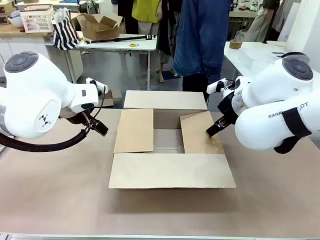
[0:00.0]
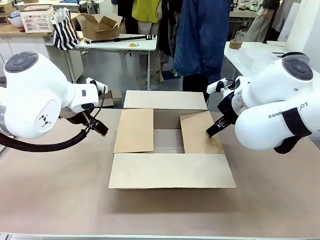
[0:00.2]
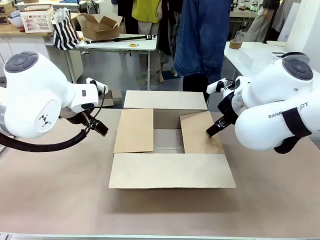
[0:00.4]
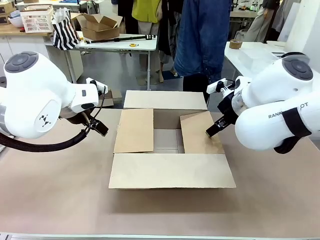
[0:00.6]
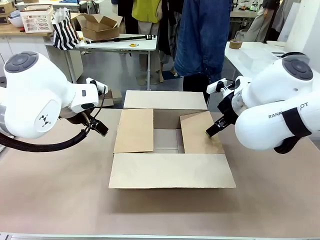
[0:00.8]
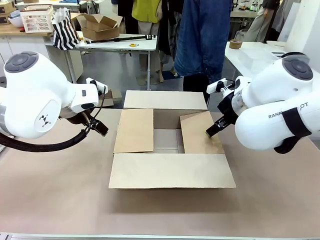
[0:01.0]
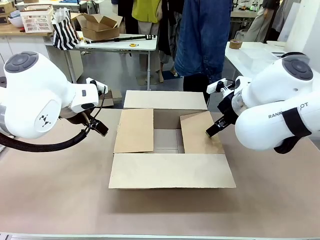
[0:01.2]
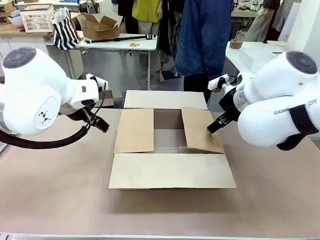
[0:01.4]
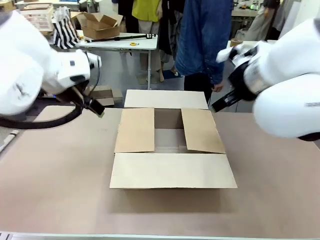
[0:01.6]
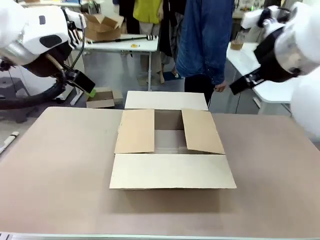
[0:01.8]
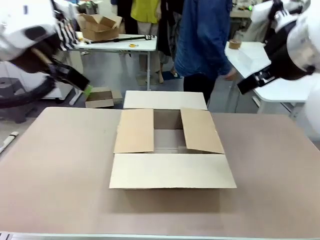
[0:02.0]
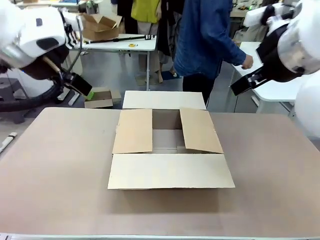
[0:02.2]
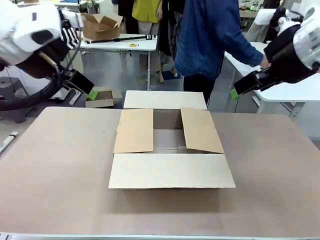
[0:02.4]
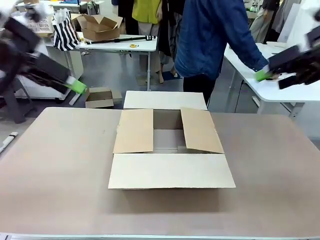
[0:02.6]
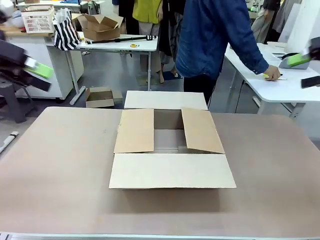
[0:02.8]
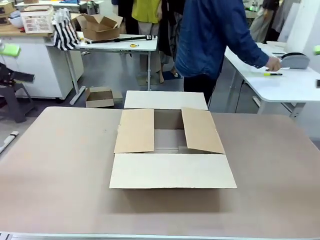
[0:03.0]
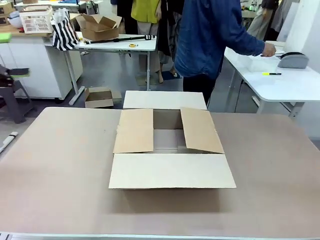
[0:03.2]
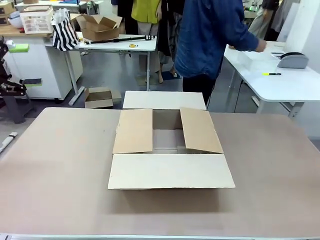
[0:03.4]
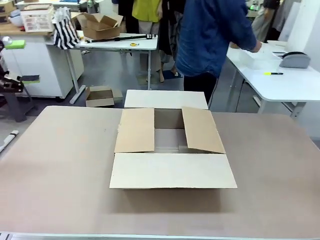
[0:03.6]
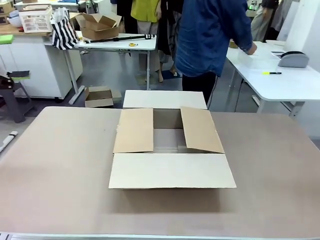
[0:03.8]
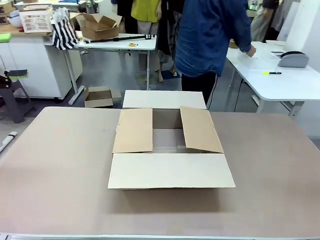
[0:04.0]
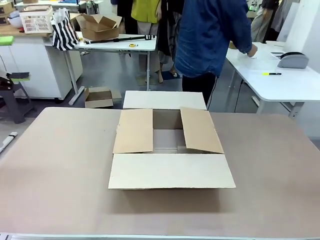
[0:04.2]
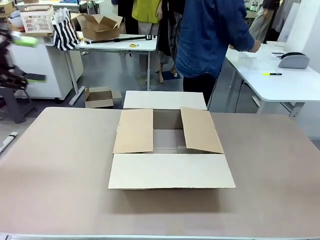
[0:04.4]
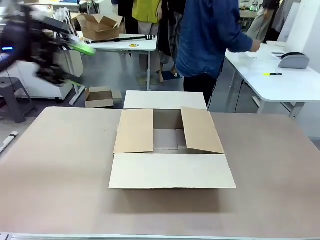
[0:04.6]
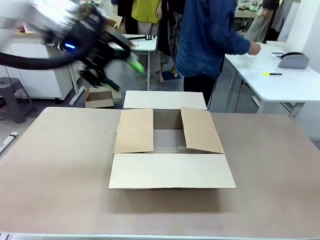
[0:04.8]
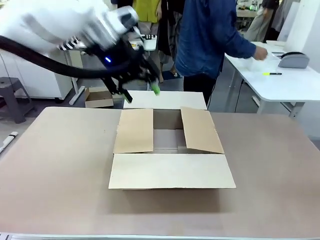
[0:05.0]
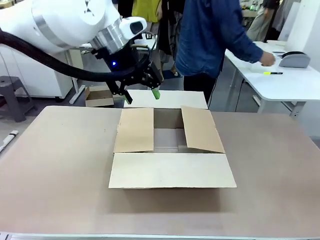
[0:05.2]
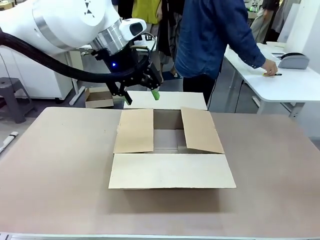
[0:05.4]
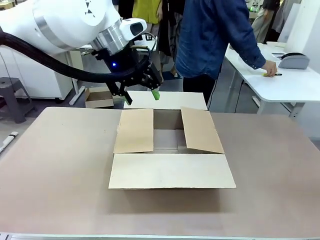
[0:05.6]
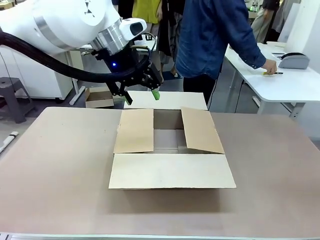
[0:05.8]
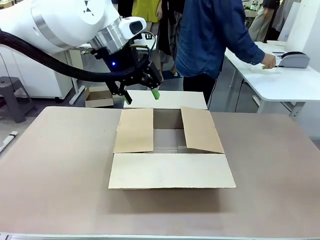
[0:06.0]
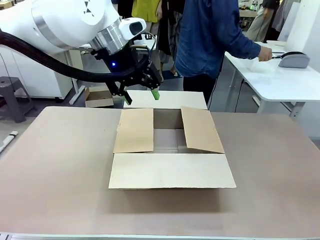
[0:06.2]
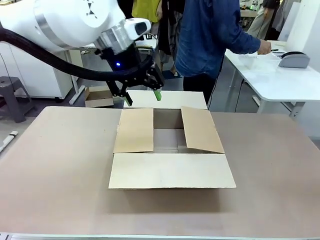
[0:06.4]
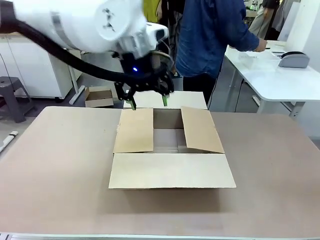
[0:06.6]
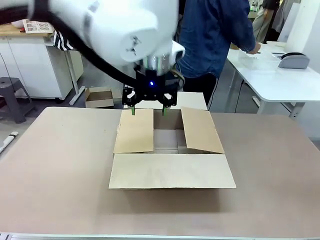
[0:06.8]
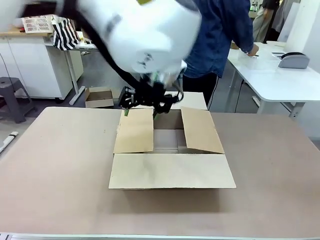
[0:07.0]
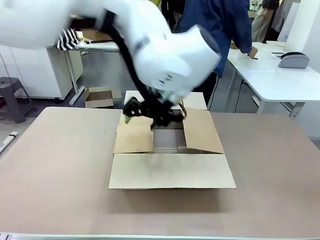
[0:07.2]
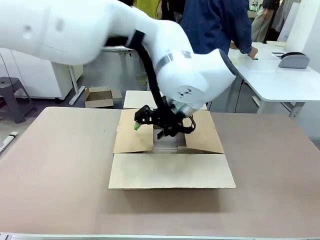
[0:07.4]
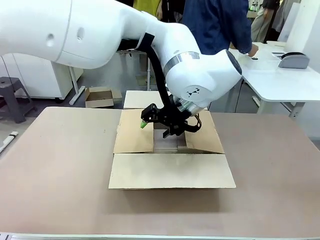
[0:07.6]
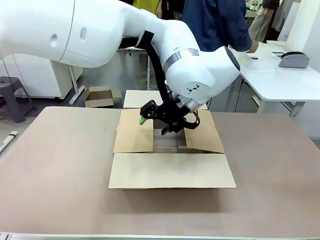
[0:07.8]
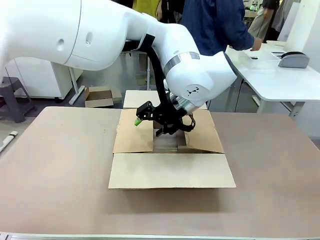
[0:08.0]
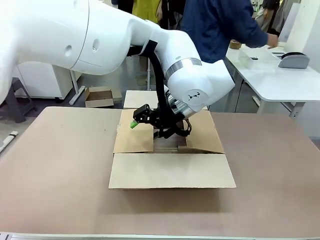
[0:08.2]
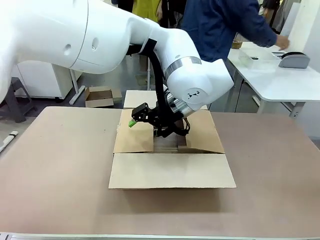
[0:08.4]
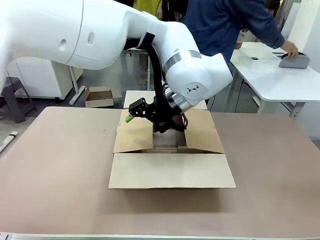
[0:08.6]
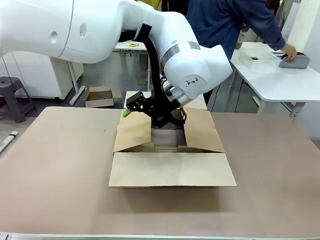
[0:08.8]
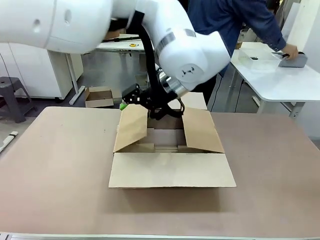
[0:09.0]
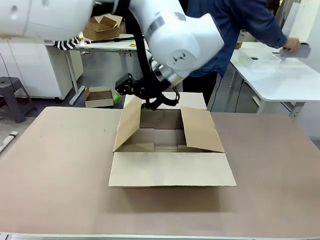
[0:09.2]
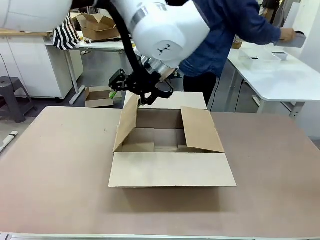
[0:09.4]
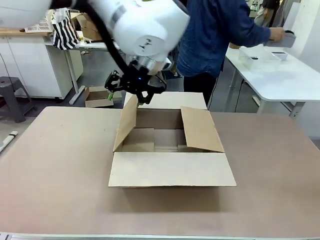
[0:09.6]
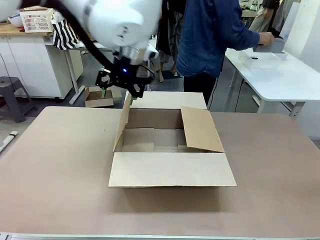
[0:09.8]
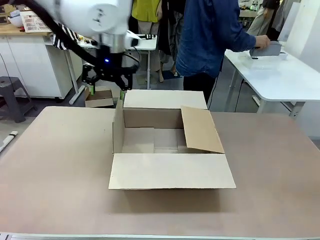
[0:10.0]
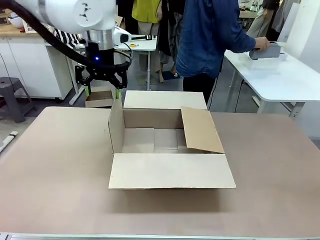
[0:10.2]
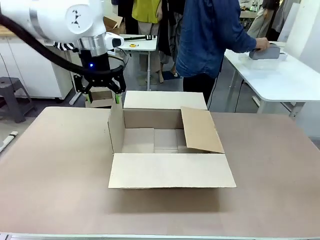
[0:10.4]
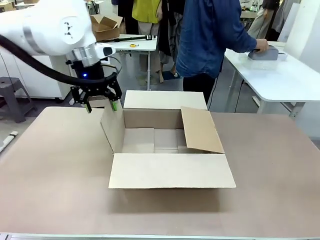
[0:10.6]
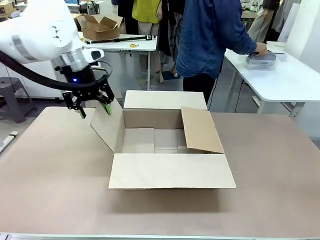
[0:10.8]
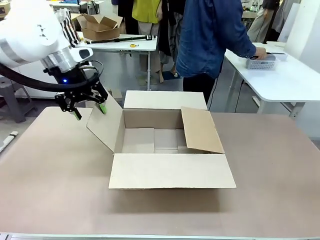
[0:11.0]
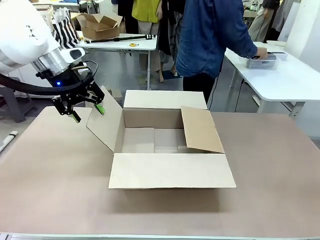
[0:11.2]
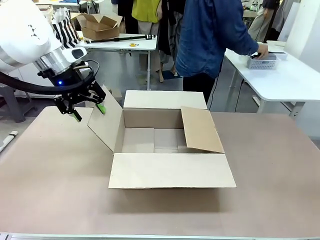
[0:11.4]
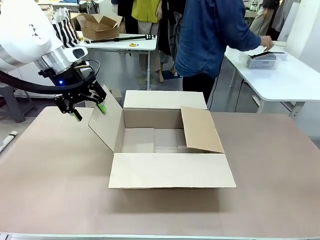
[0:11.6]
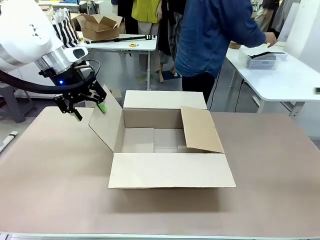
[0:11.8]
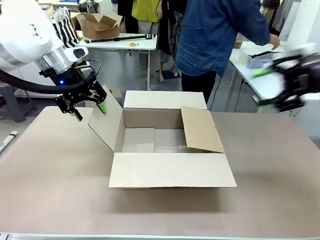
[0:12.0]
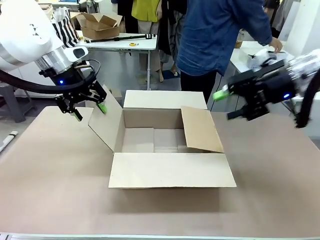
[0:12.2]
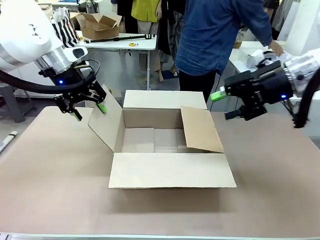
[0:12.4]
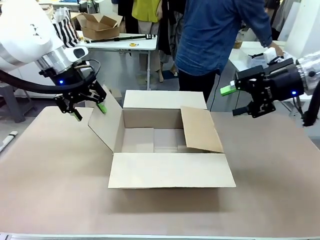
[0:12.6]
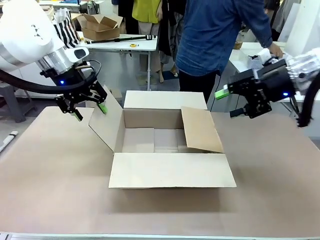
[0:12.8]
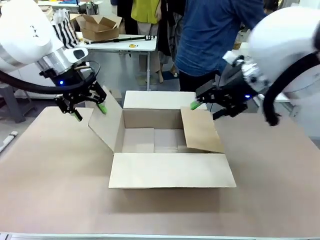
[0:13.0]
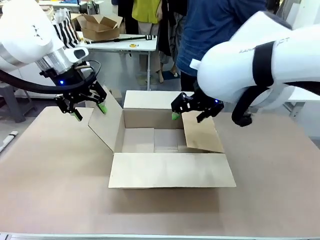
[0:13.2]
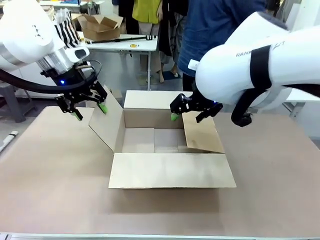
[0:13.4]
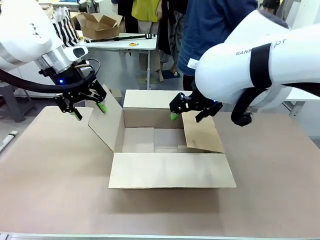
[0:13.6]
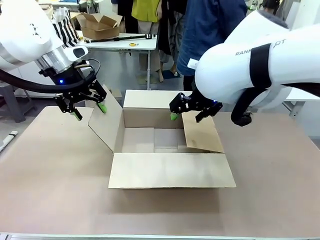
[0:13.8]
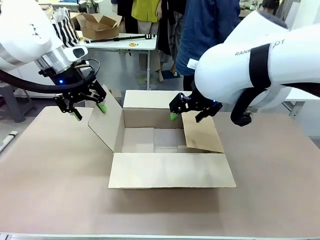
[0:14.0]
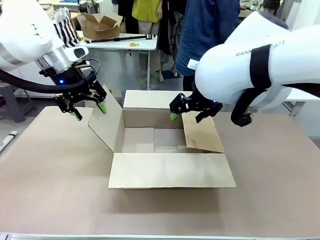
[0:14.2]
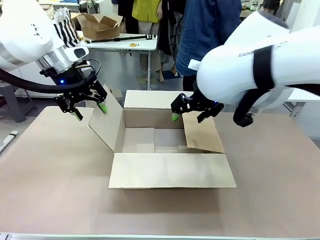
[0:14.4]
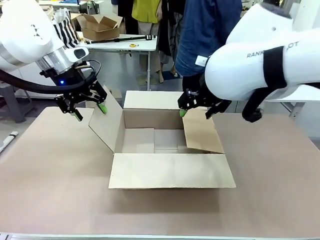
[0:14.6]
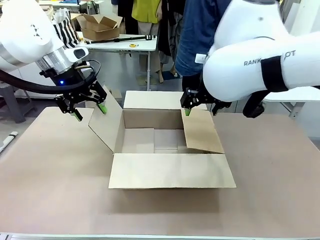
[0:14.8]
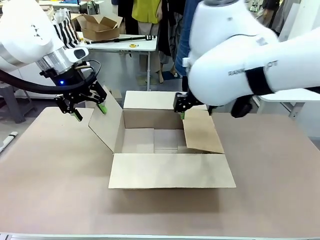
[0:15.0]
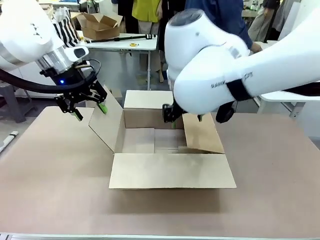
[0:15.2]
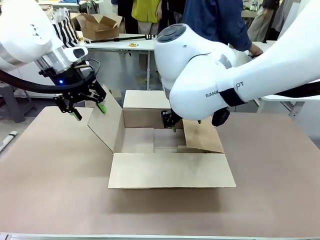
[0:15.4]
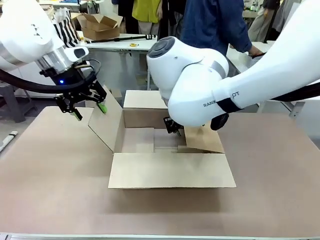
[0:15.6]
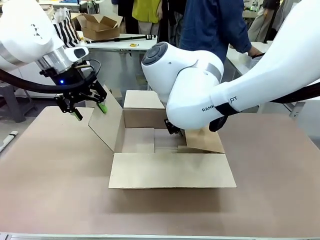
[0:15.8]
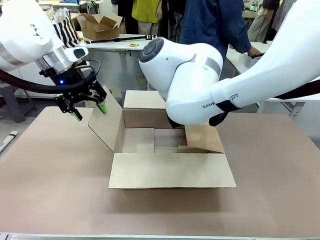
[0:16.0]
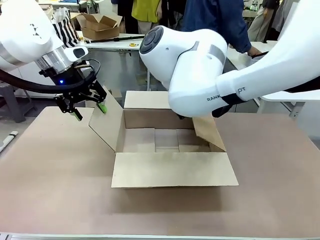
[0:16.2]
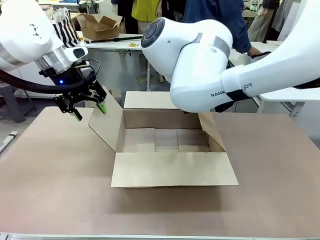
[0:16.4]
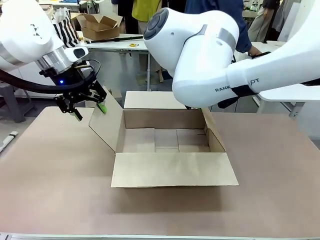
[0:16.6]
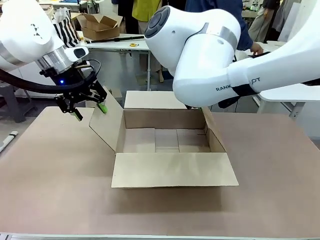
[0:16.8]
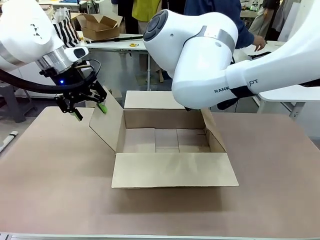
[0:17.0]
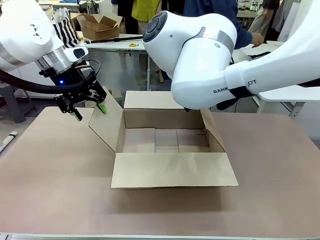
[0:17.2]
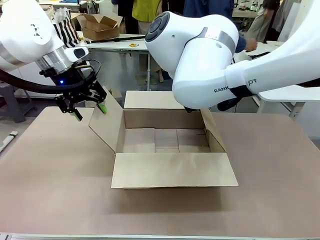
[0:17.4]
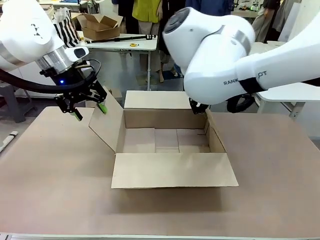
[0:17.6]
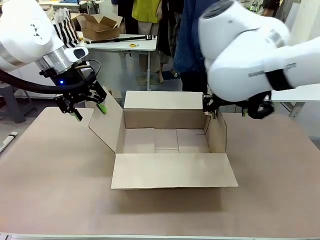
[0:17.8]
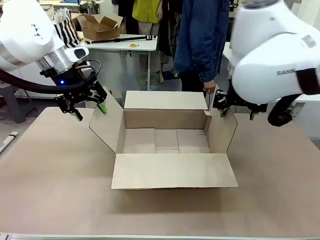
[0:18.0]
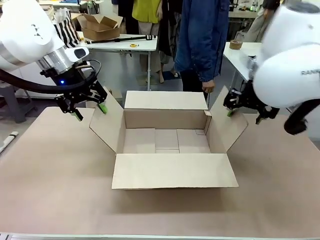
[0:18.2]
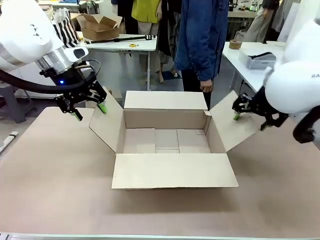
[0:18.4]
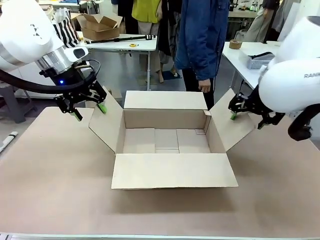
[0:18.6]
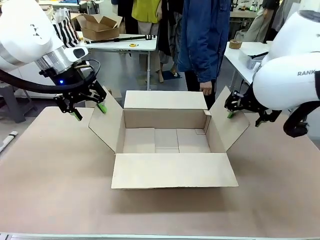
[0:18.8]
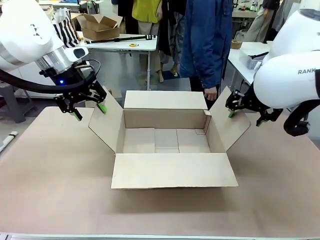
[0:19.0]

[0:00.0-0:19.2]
Task: Pack the gift set into the box.
Robot: Place both hands on the side flaps of the Package Box and spread them outward.
Person: The human places all items except the paper tape into the organizing basket.
